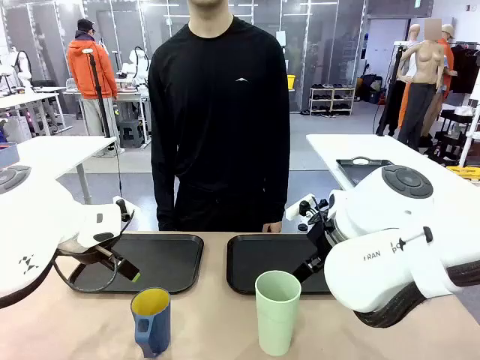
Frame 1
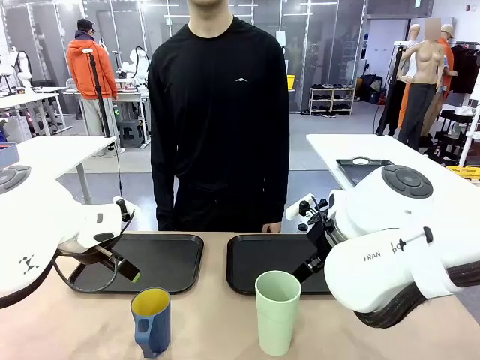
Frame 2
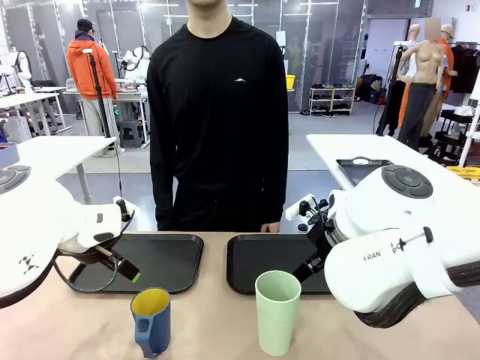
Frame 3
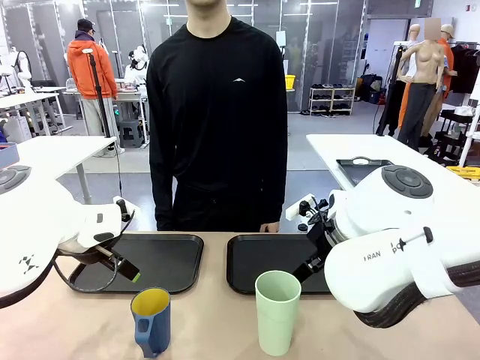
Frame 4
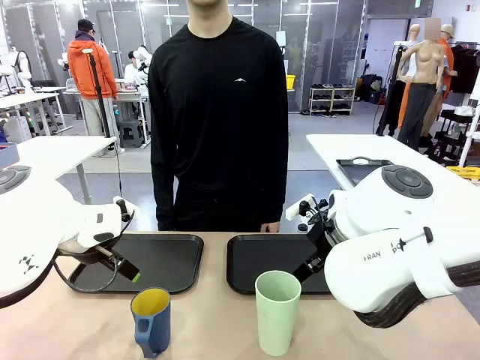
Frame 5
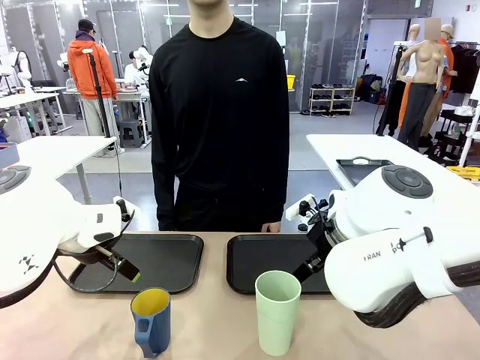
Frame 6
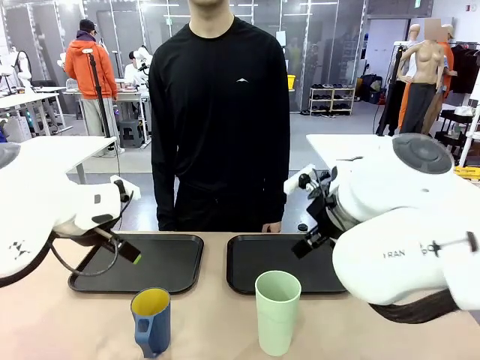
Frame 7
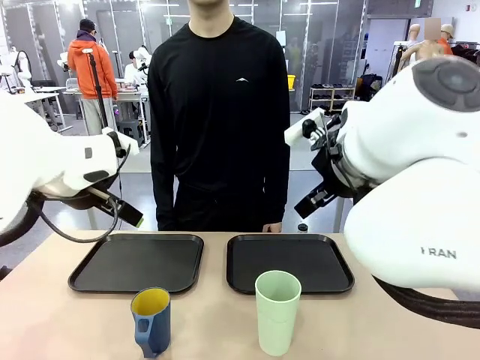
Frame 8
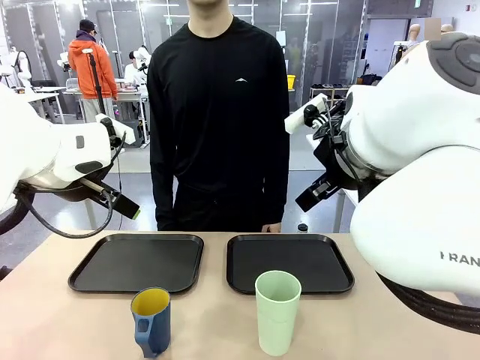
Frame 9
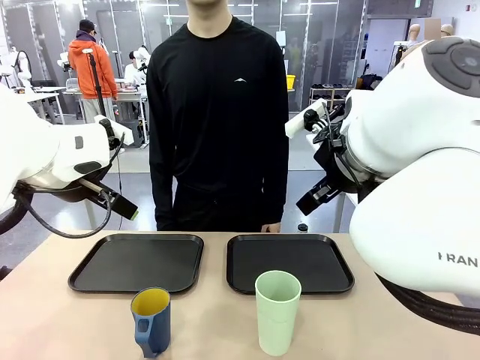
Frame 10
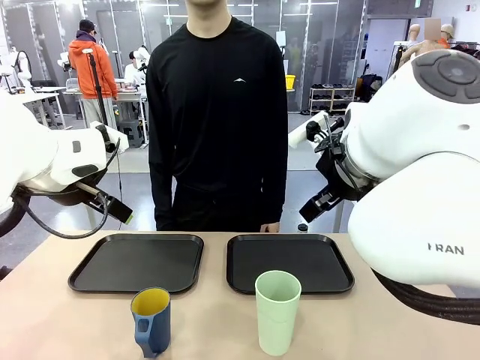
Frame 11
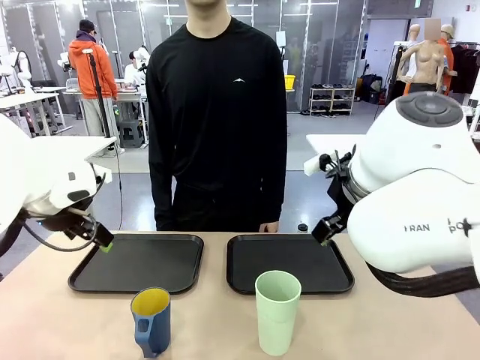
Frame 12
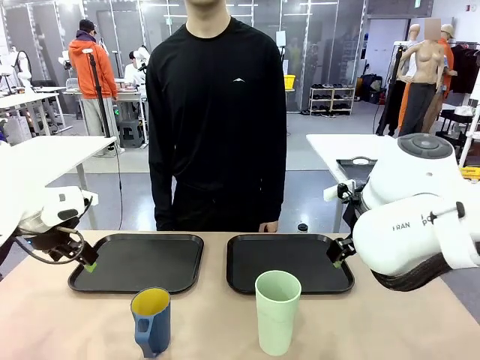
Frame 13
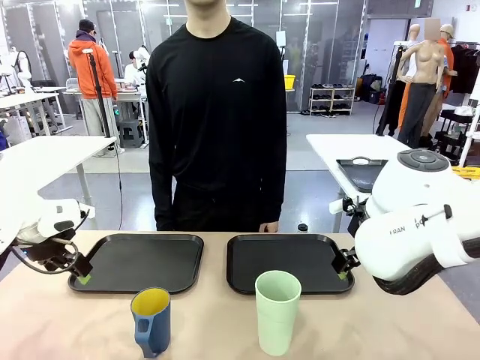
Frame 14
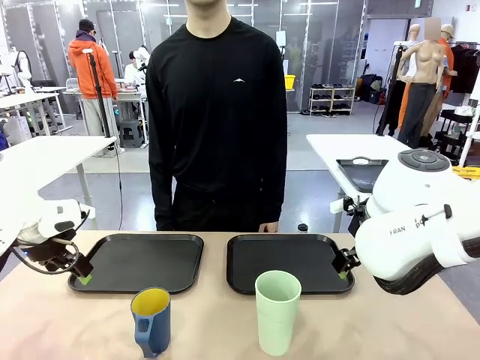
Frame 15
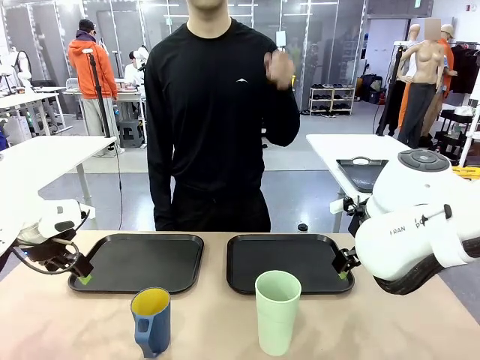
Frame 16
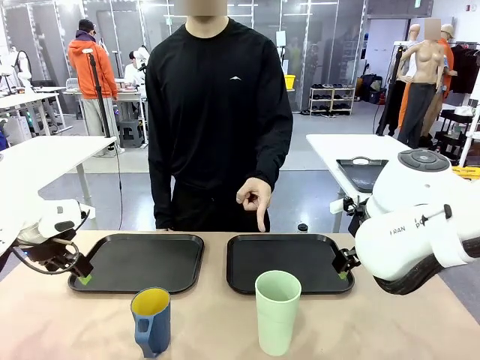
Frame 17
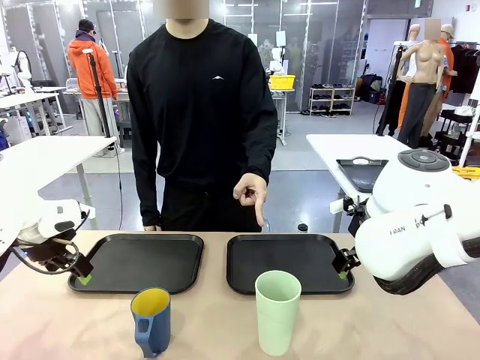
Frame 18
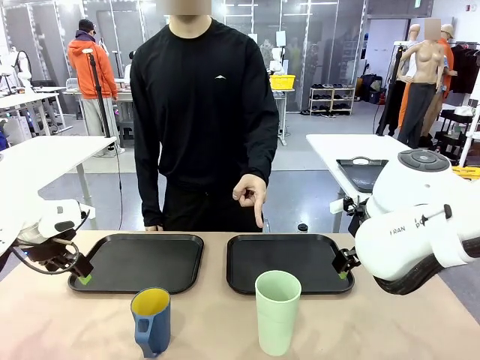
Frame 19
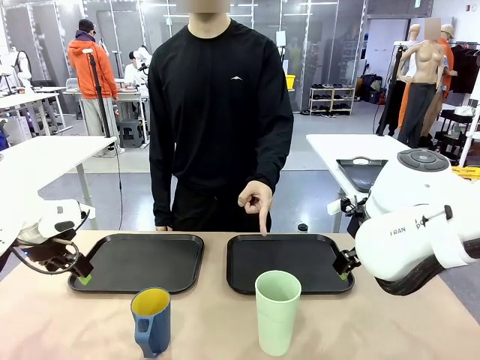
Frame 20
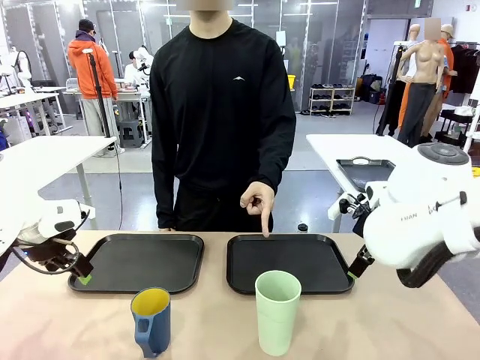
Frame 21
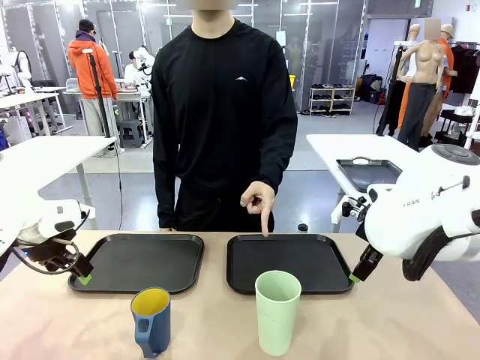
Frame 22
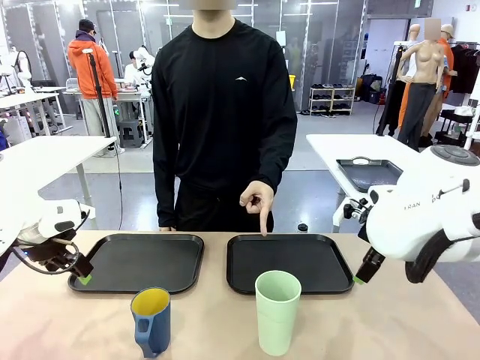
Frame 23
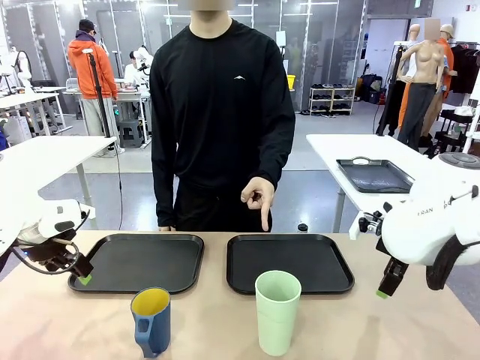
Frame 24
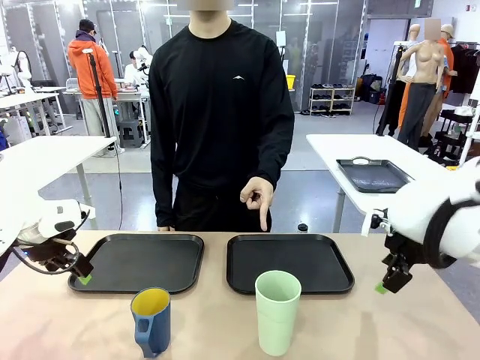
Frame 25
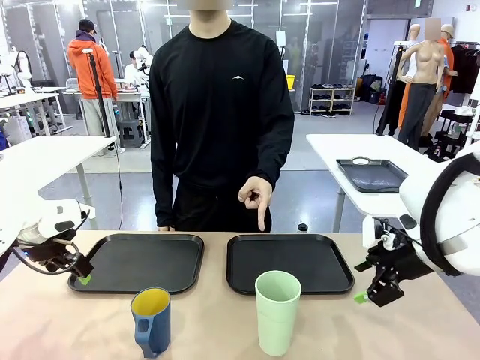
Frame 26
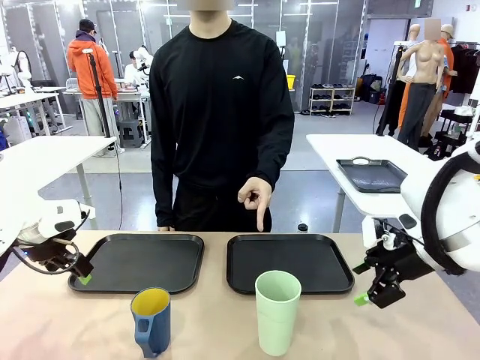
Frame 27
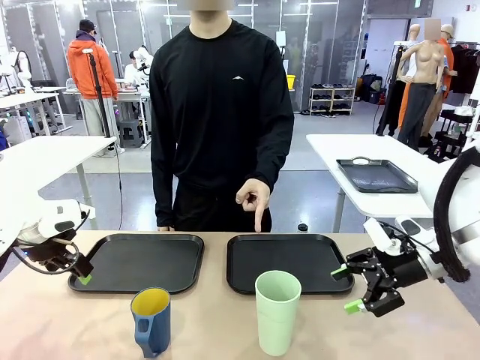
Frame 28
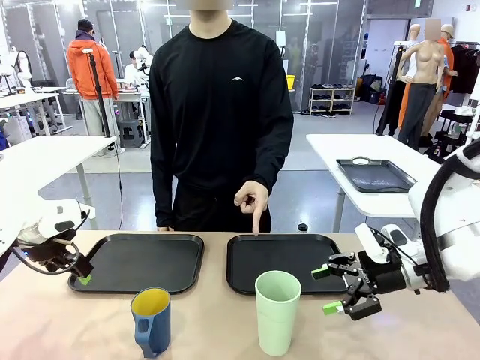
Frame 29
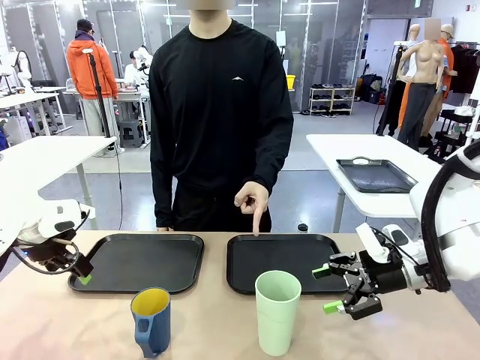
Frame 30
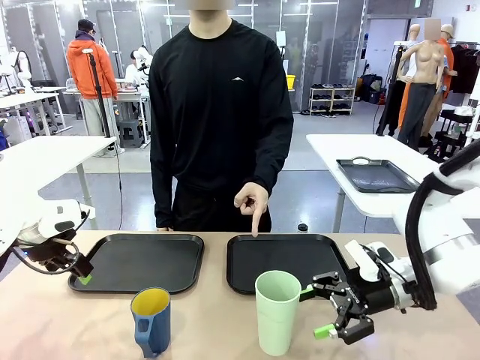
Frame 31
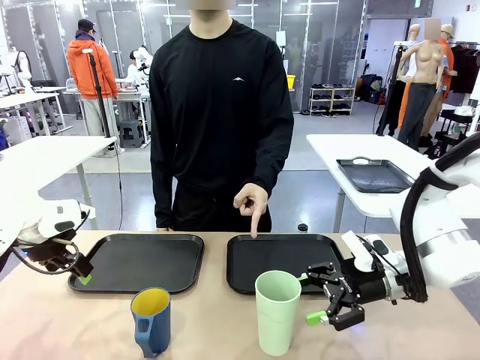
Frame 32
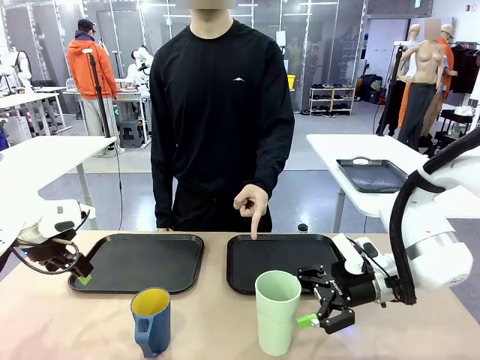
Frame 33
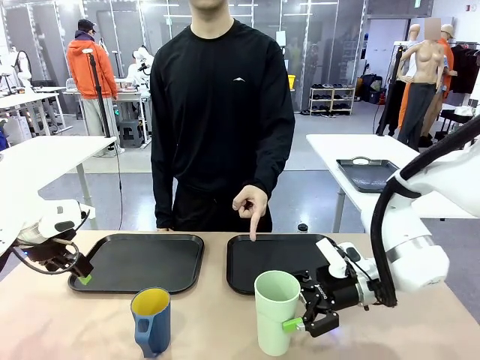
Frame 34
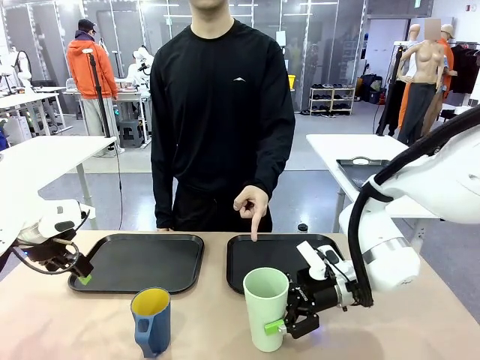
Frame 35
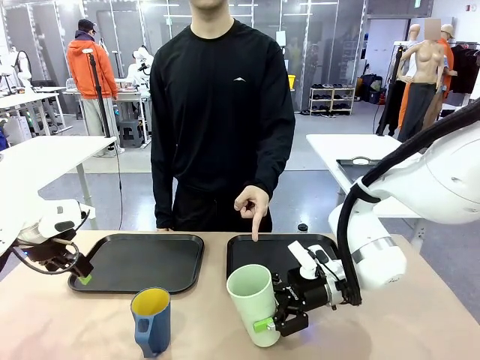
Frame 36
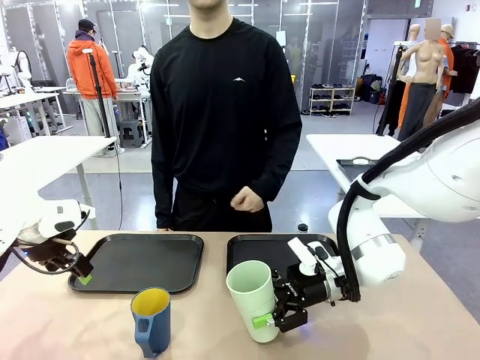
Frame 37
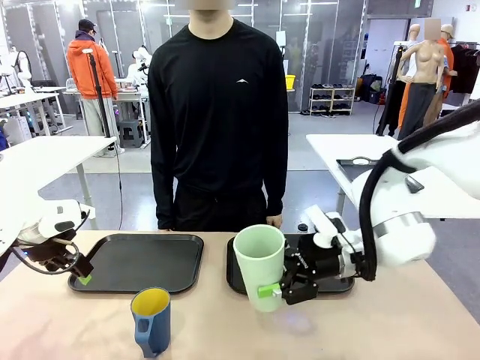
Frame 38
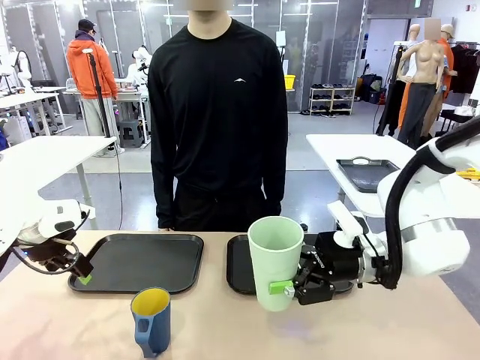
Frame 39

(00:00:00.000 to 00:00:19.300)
Task: Sort and store the cups by type.
Robot: Pick up the Reusable plastic cup.
Person: Points to the reusable cup. Point to one of the two trays.

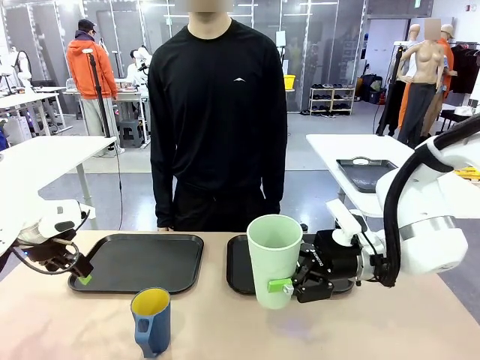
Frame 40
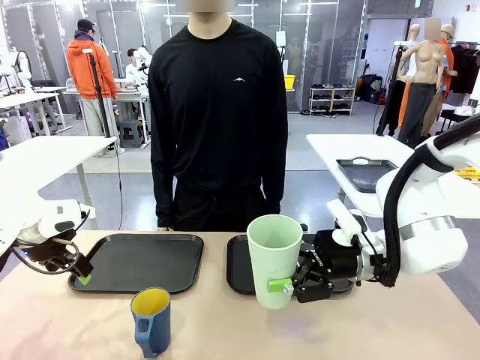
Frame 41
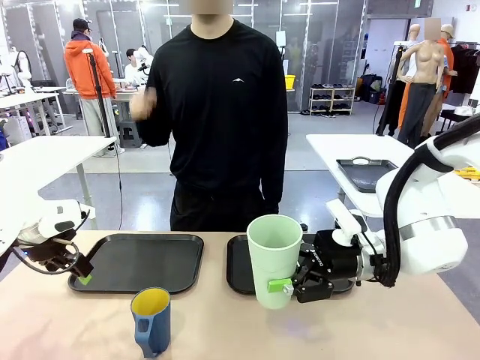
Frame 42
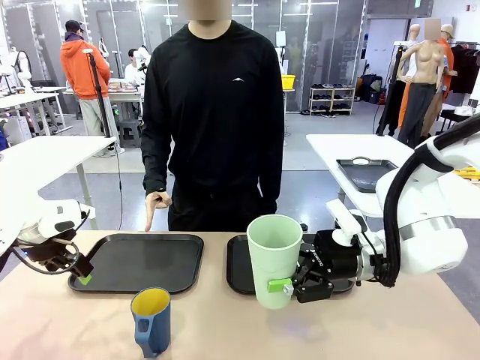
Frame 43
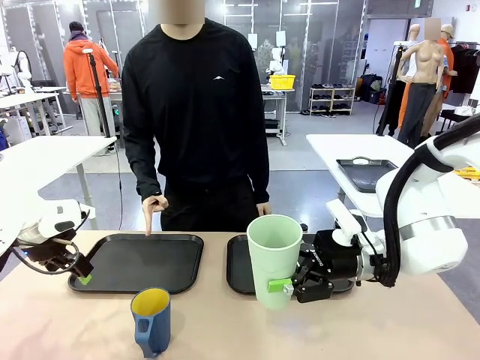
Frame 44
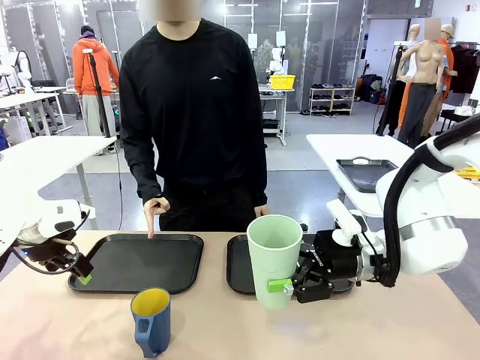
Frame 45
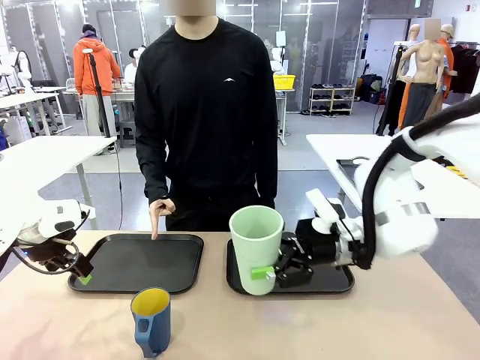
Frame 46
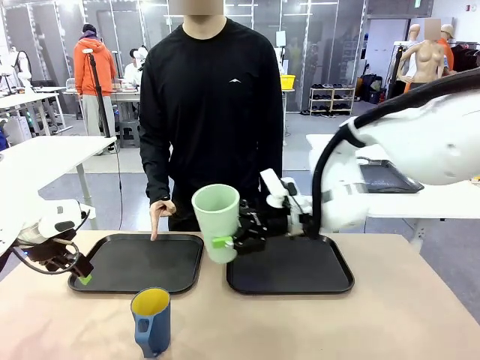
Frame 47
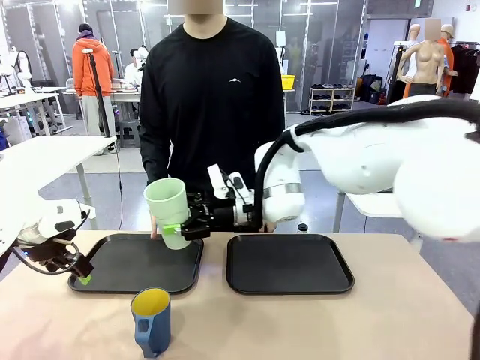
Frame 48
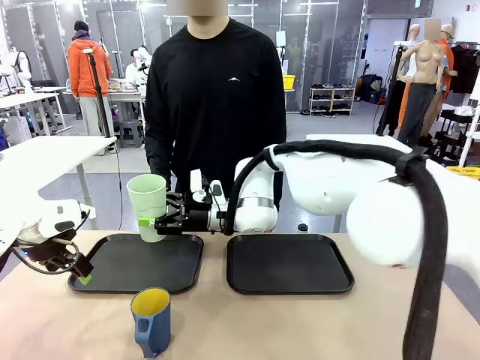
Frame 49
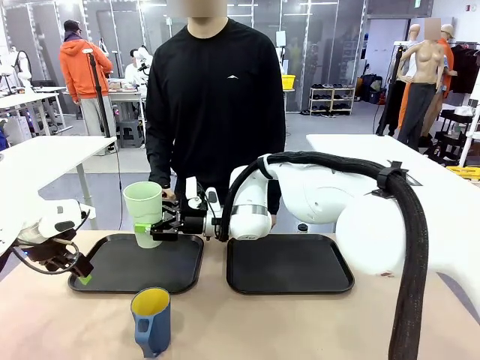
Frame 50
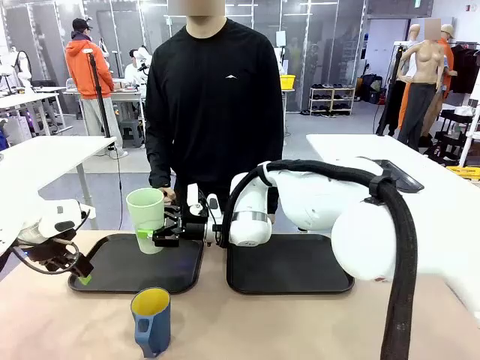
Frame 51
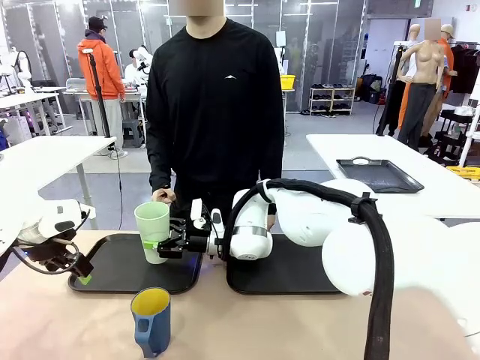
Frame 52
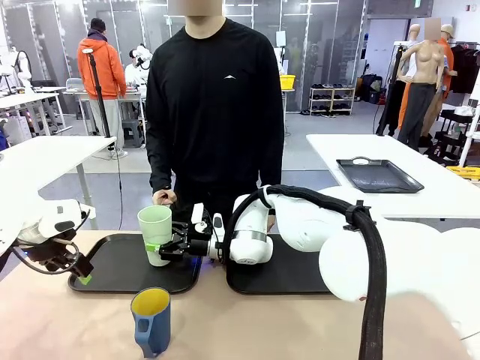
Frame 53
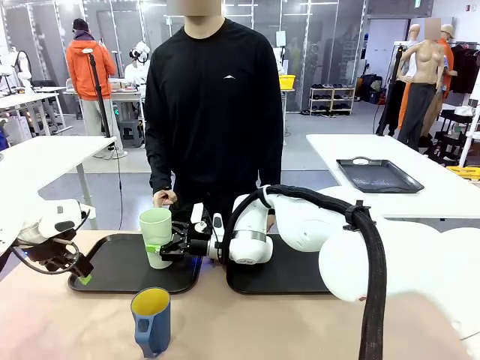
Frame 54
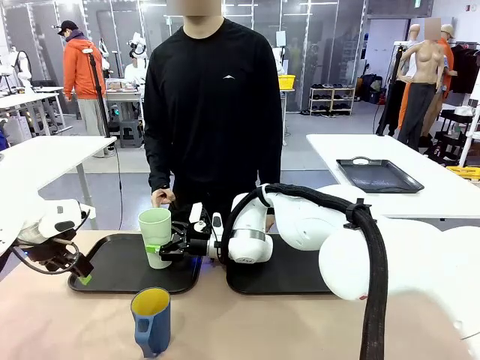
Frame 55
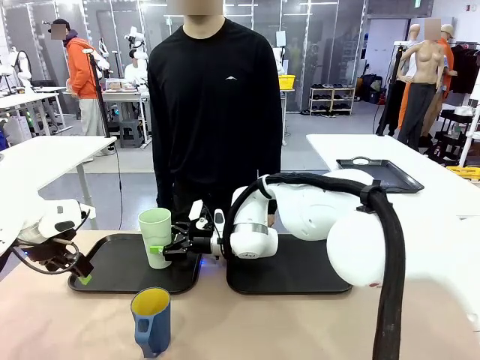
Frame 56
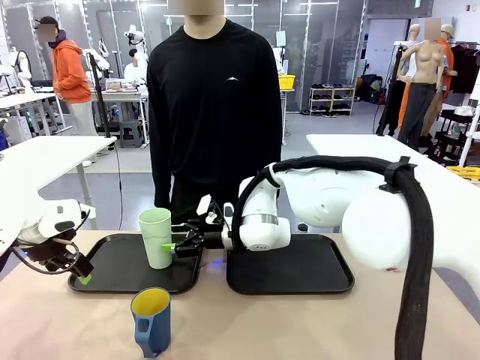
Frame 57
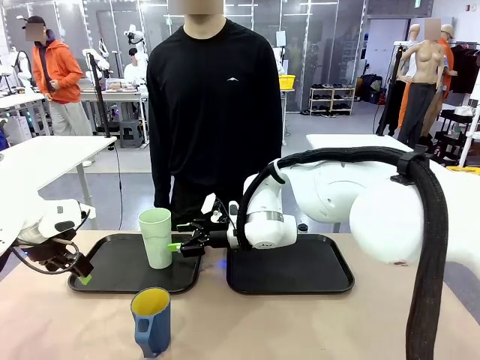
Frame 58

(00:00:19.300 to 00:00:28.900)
Robot: Place the picked Reusable plastic cup into the Flat Tray indicated by the person.
